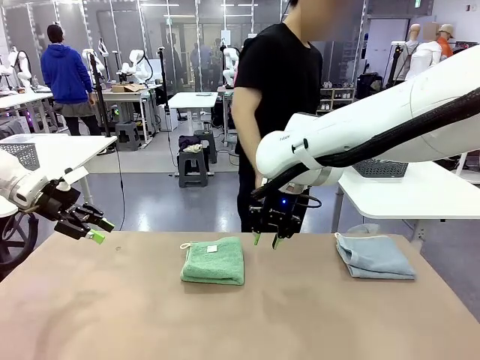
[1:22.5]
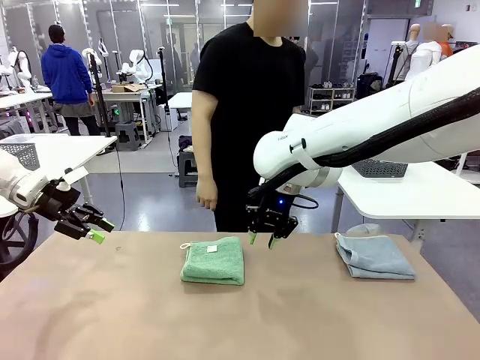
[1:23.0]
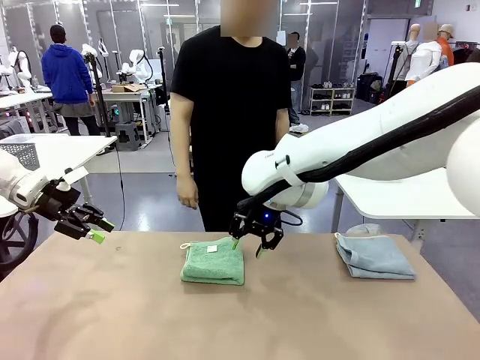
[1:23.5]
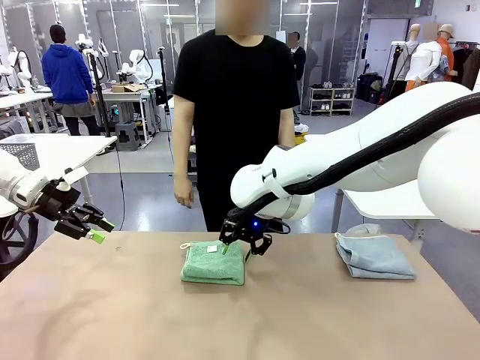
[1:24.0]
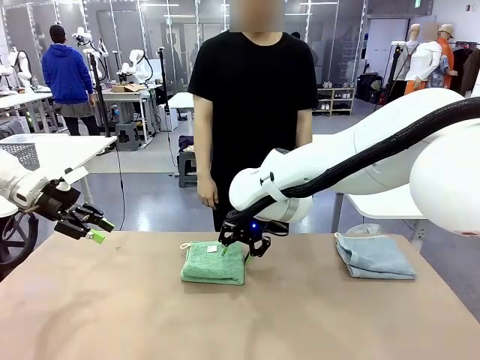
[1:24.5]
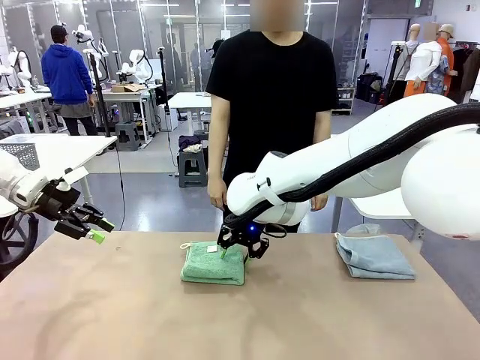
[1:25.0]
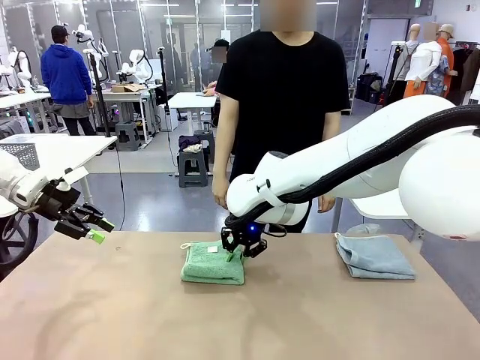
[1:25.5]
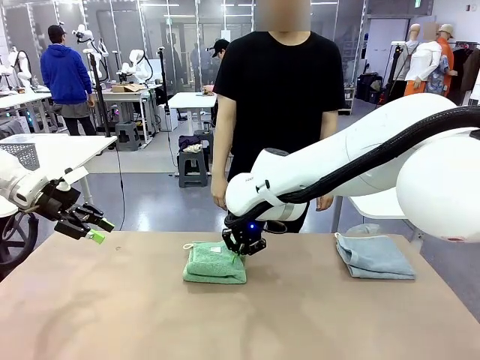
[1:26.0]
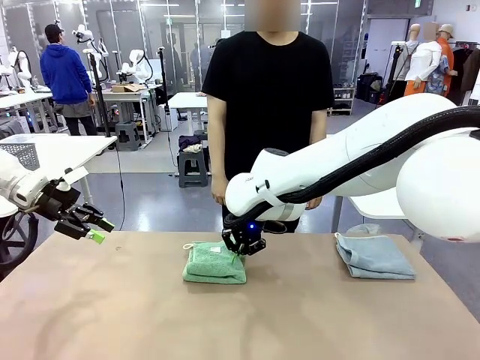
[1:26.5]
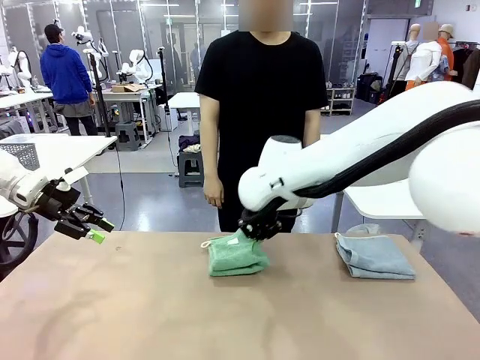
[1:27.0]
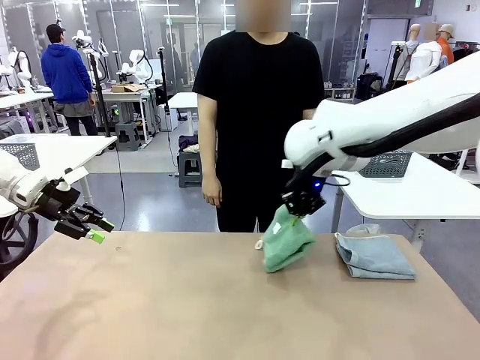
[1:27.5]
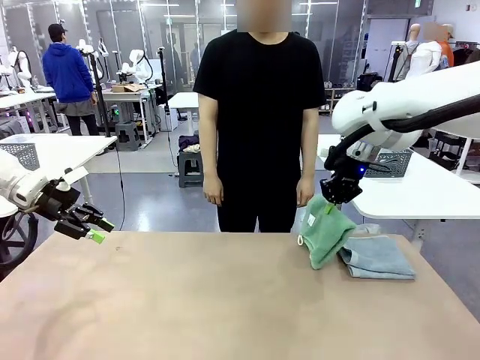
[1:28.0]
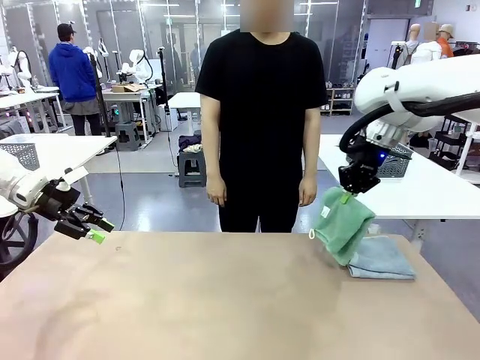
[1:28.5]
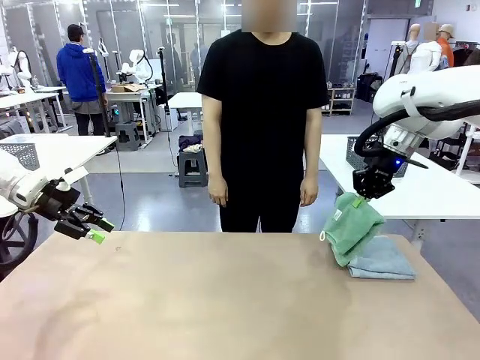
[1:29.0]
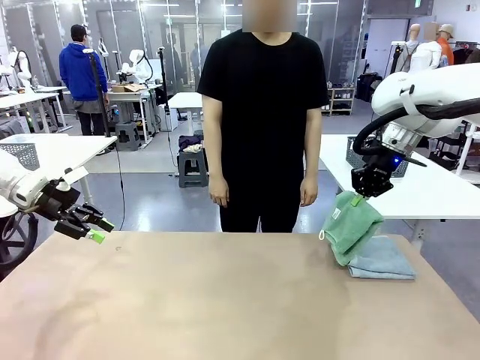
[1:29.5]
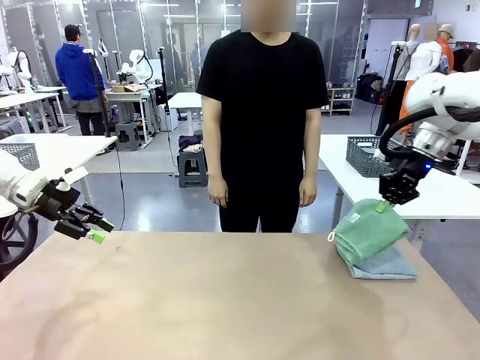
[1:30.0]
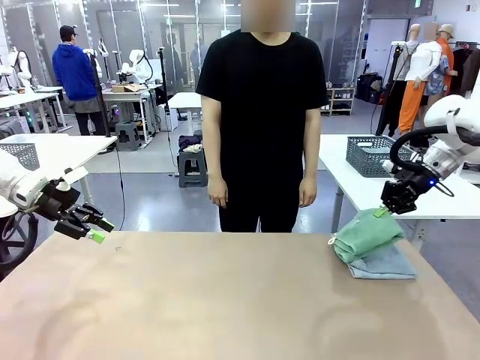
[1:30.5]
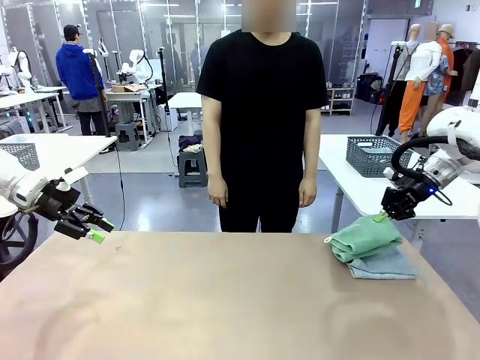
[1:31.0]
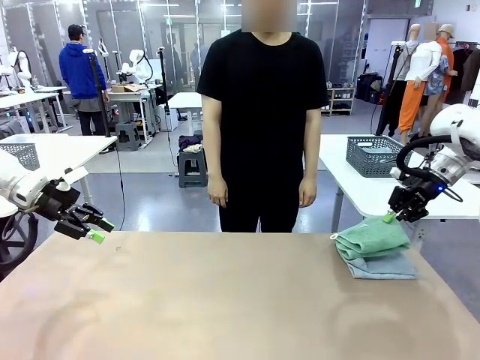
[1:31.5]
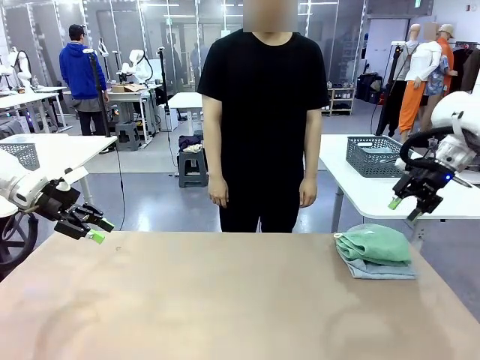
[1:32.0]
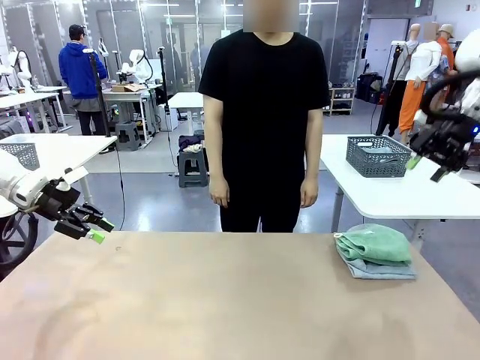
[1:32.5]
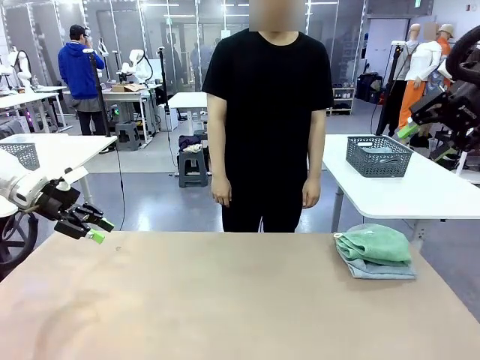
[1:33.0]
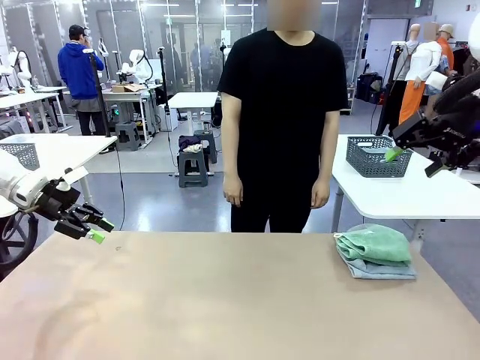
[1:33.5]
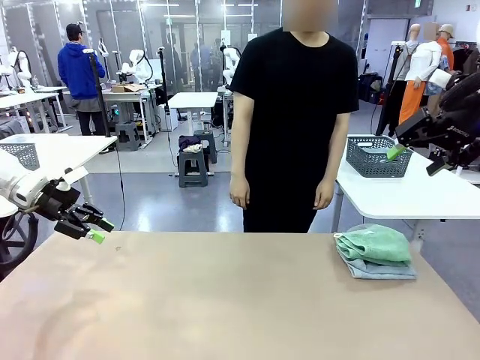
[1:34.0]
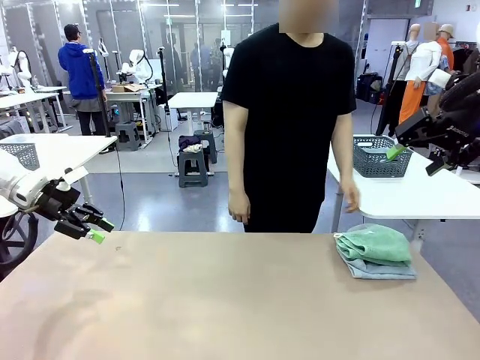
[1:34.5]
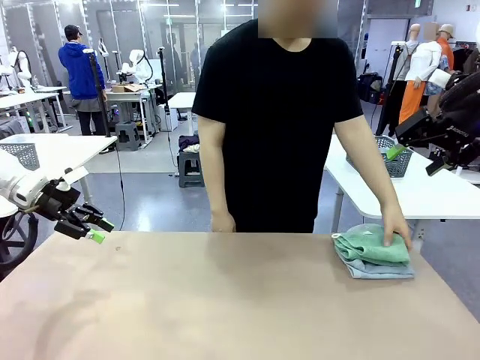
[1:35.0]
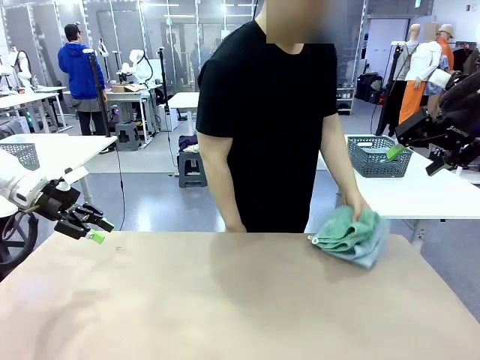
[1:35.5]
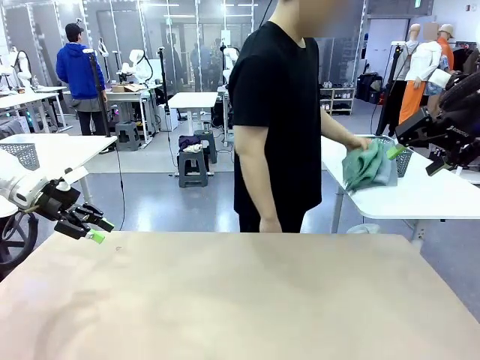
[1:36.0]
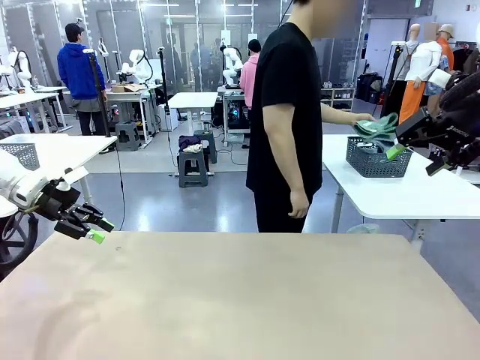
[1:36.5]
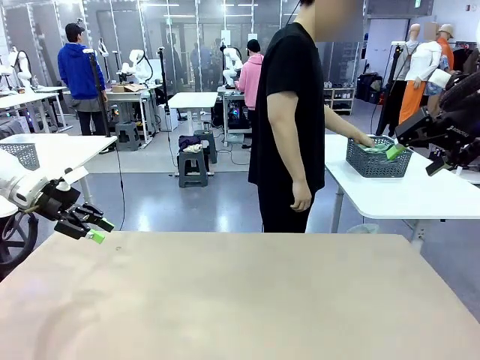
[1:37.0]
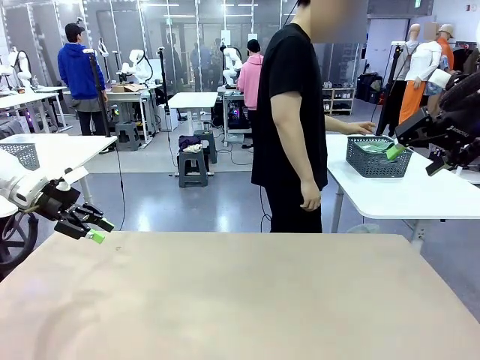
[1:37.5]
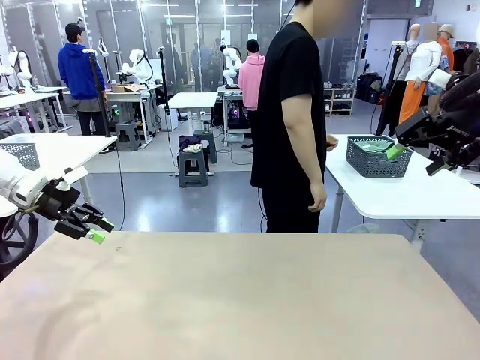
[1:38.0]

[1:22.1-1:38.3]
Task: Fold the towels and place them in the basket.
Robot: Stack the folded Towel with hook on the right side of the table.
Person: Pick up the stack of towels from the robot table and place it into the basket.

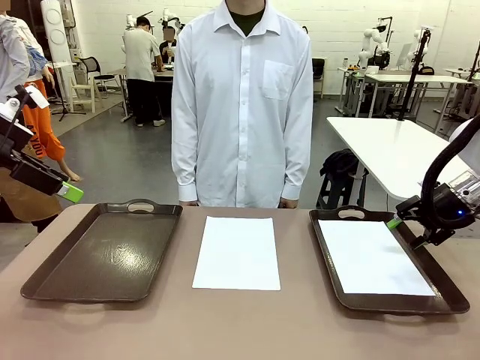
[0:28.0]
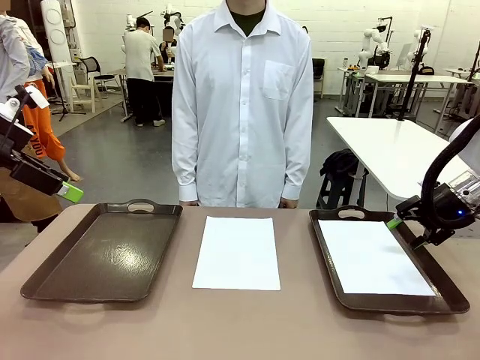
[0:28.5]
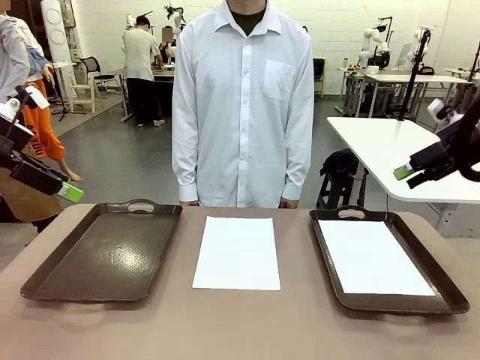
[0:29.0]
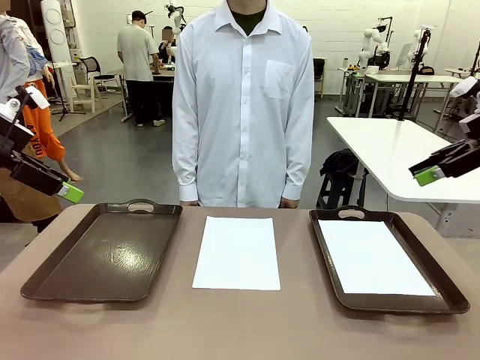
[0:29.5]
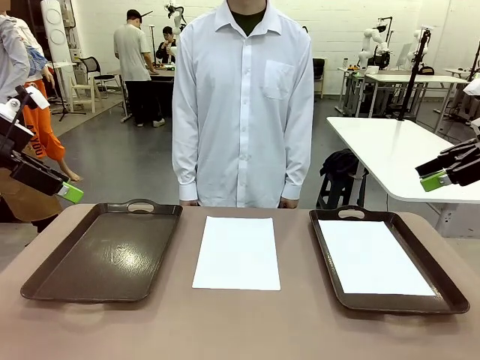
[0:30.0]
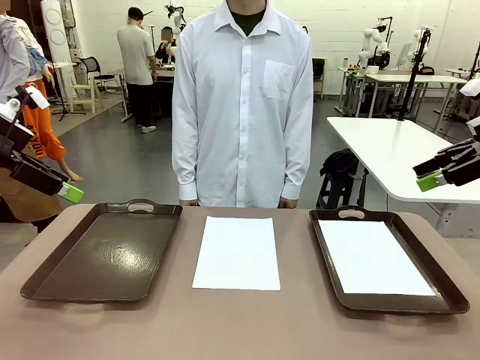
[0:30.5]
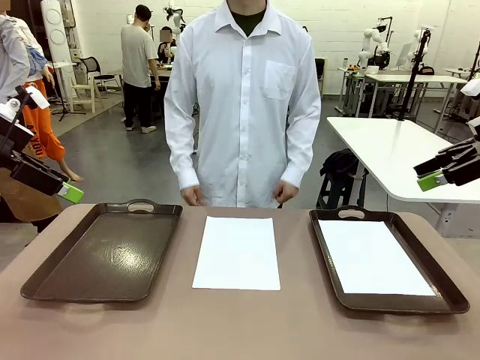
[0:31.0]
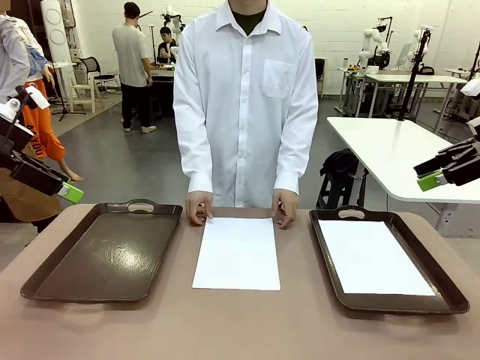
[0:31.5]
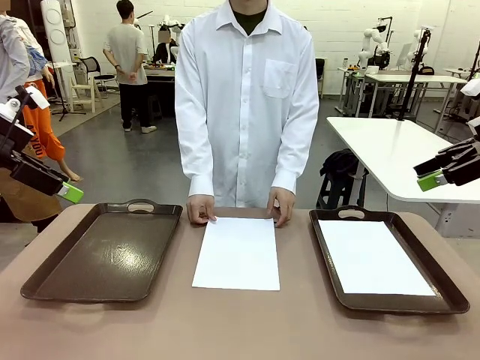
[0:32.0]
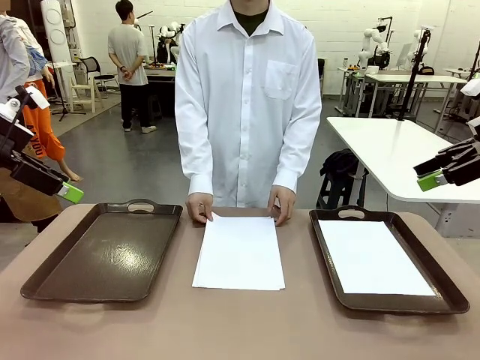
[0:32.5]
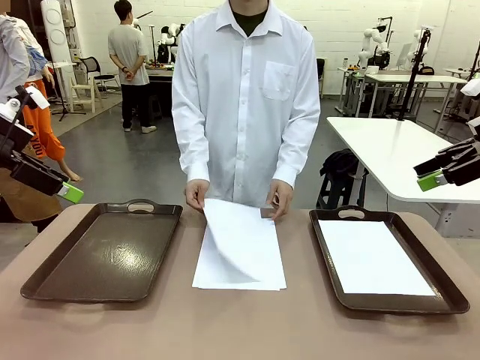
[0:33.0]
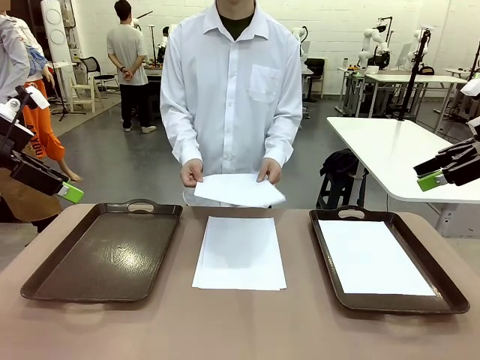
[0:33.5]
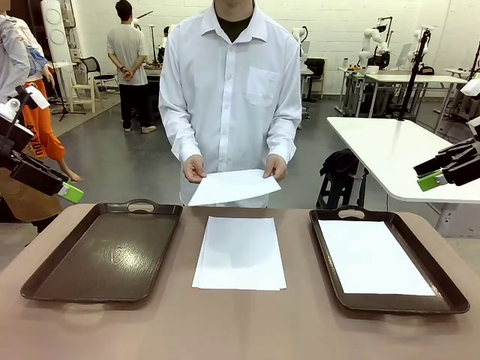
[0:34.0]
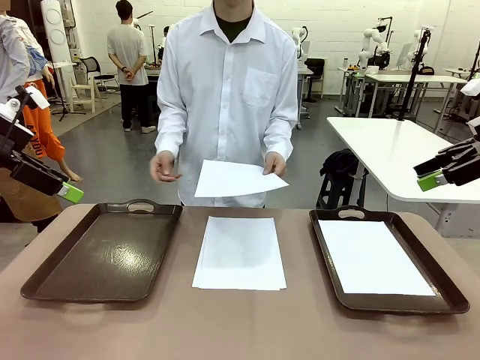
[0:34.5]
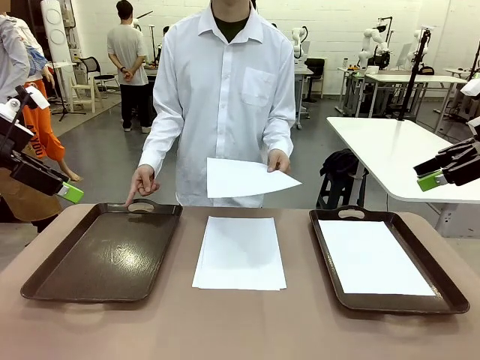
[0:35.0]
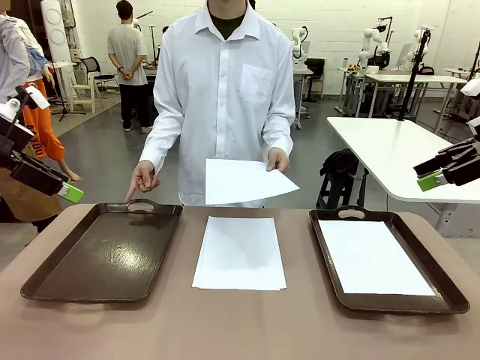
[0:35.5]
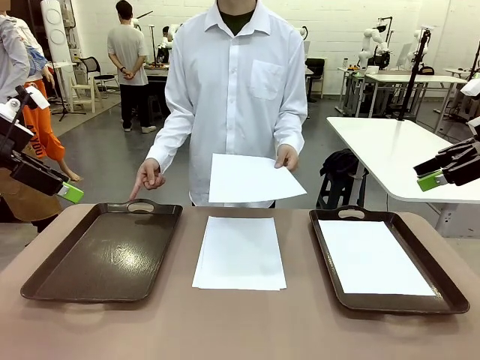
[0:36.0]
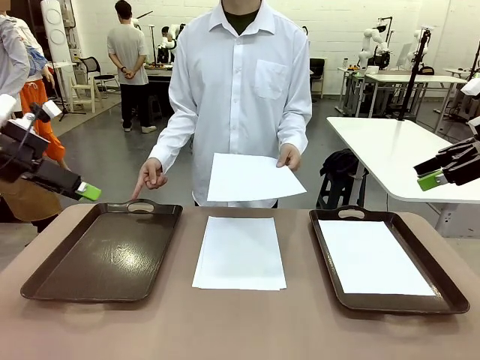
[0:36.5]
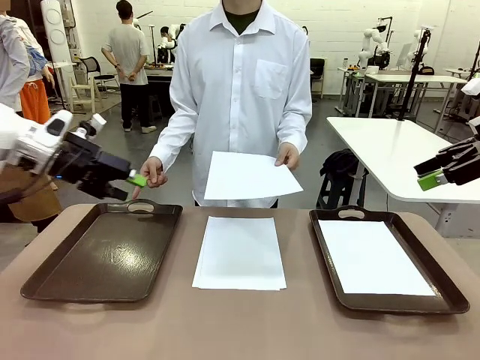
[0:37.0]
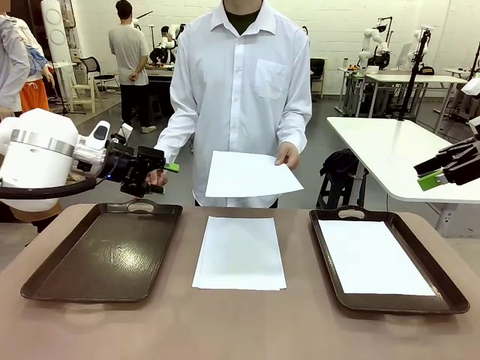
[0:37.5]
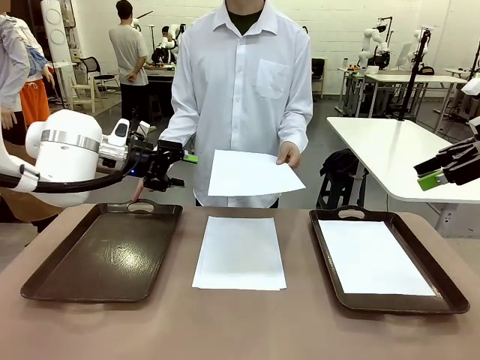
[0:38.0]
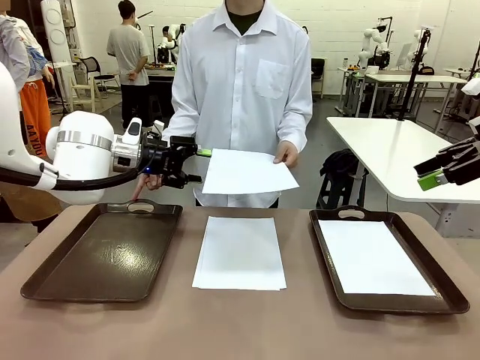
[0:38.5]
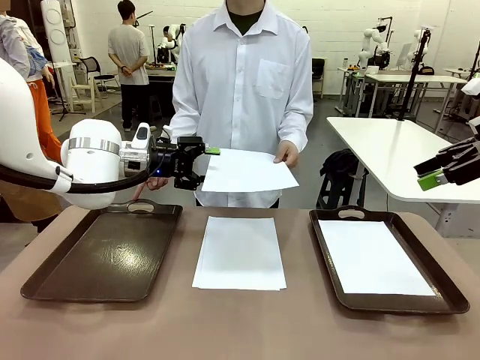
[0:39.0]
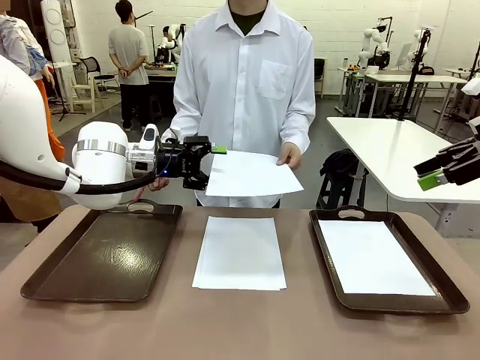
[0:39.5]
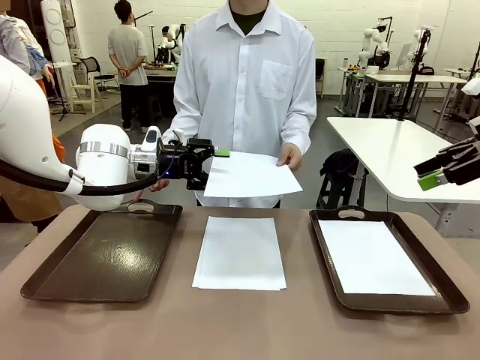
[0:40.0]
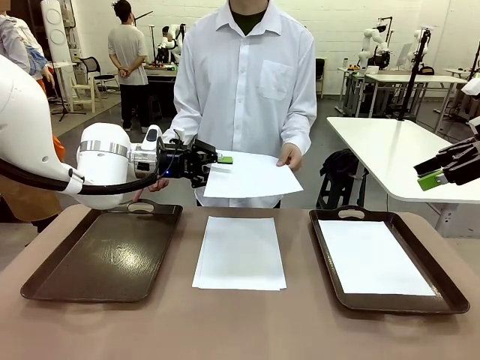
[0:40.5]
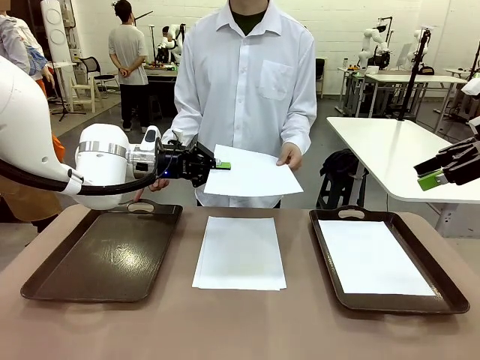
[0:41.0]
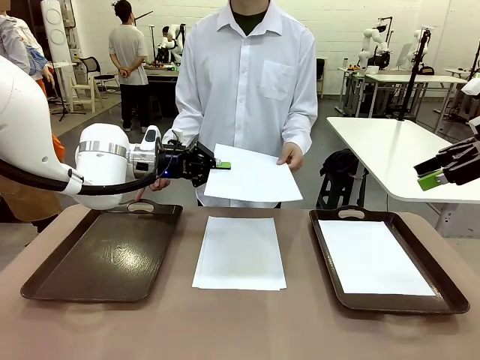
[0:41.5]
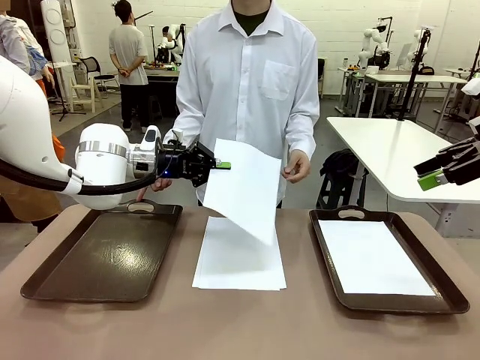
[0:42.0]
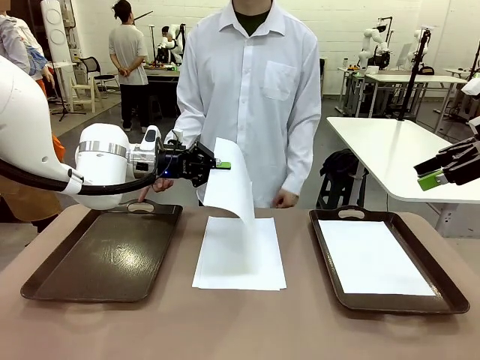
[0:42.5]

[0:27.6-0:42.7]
Task: Sort the A4 documents.
Robot: Receive the A4 Paper.
Person: Point the randomly selected tray with the other hand.
